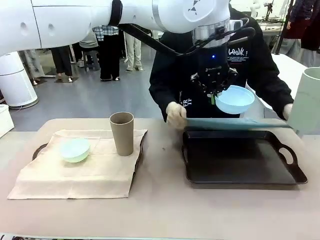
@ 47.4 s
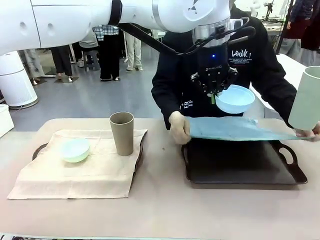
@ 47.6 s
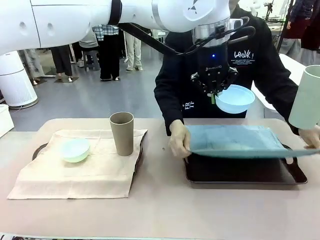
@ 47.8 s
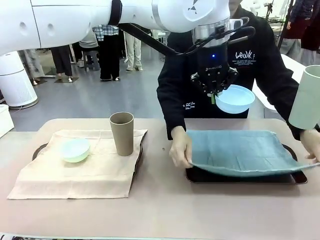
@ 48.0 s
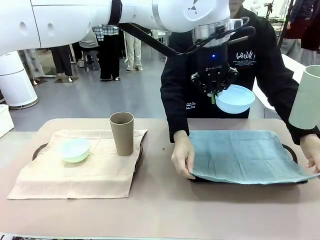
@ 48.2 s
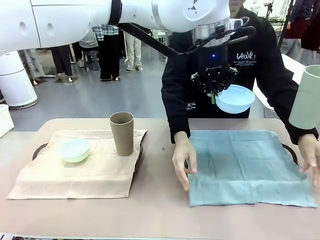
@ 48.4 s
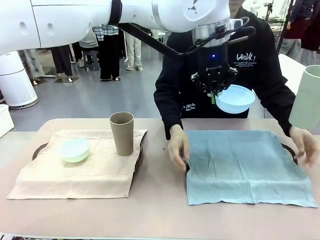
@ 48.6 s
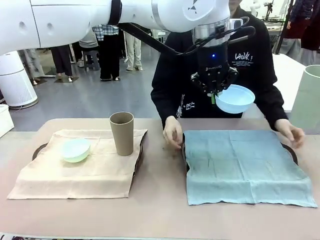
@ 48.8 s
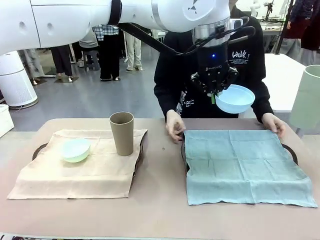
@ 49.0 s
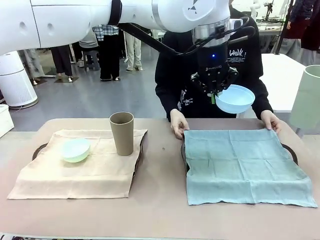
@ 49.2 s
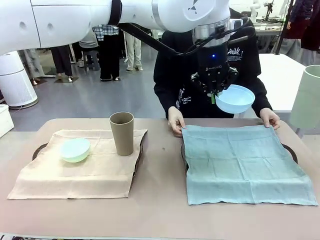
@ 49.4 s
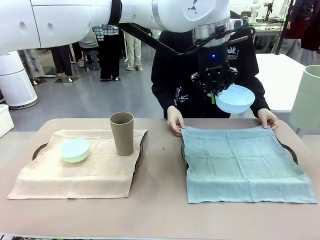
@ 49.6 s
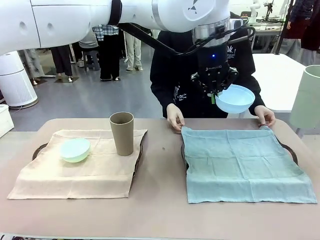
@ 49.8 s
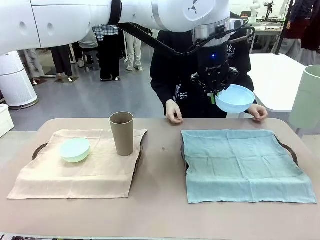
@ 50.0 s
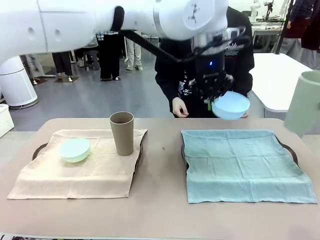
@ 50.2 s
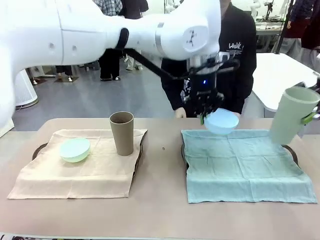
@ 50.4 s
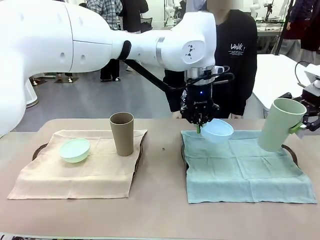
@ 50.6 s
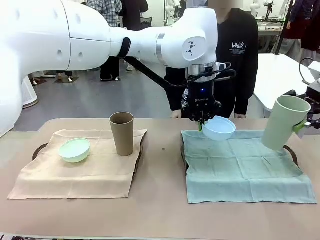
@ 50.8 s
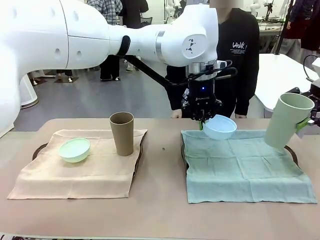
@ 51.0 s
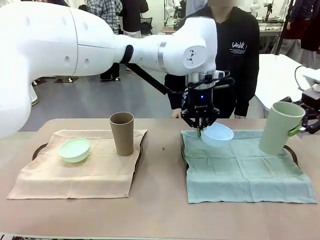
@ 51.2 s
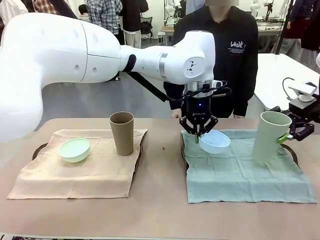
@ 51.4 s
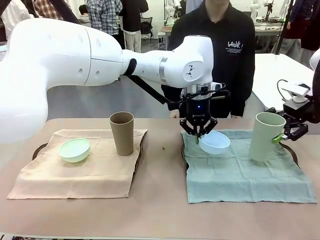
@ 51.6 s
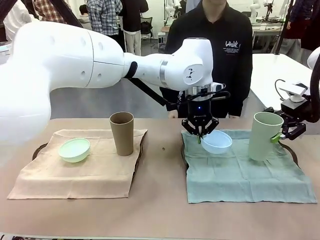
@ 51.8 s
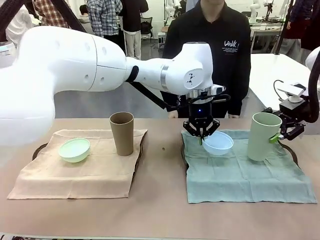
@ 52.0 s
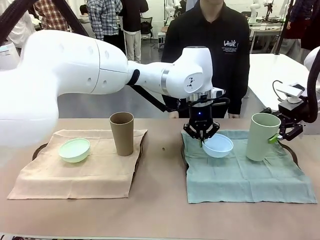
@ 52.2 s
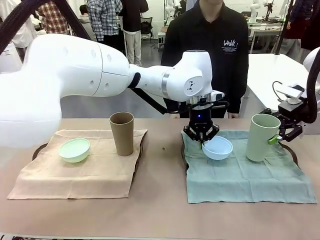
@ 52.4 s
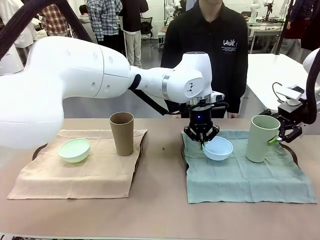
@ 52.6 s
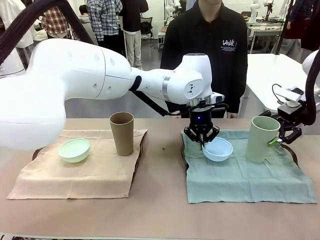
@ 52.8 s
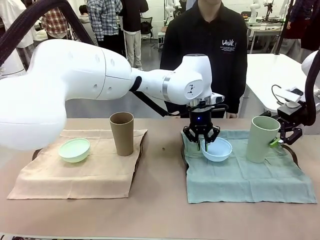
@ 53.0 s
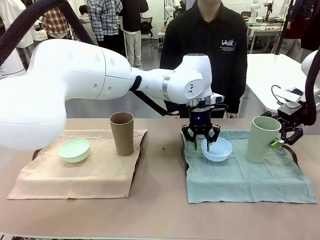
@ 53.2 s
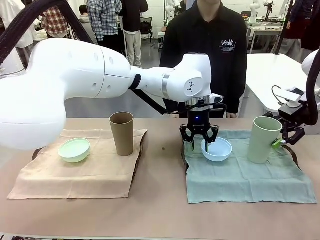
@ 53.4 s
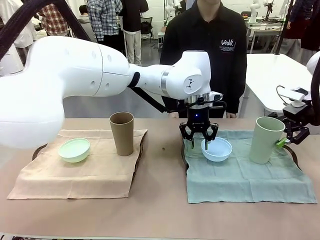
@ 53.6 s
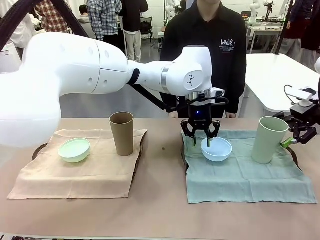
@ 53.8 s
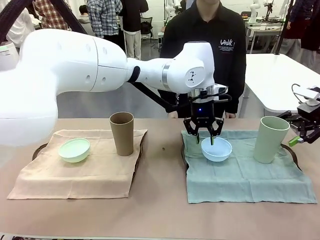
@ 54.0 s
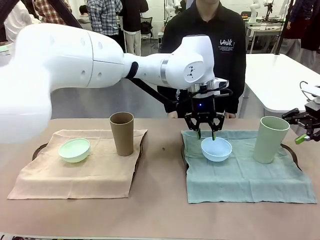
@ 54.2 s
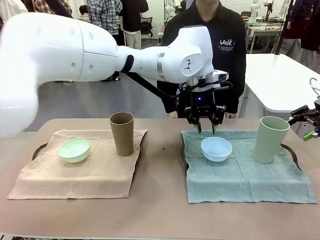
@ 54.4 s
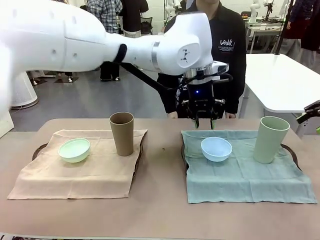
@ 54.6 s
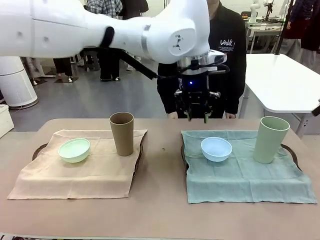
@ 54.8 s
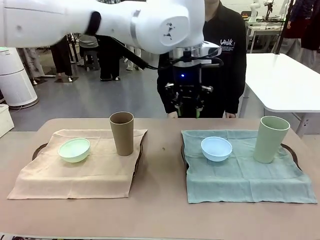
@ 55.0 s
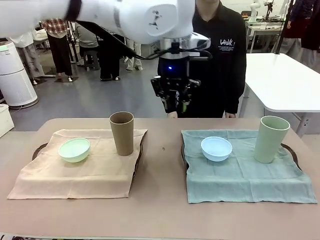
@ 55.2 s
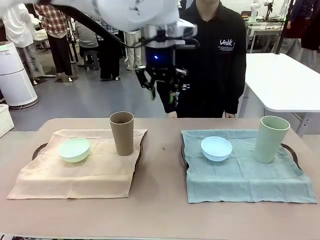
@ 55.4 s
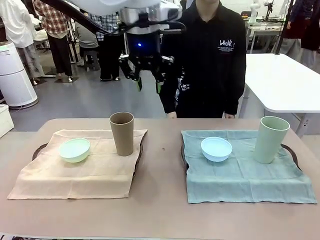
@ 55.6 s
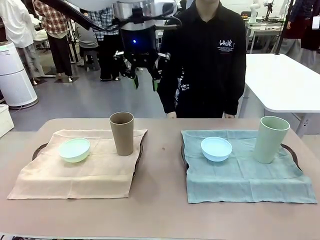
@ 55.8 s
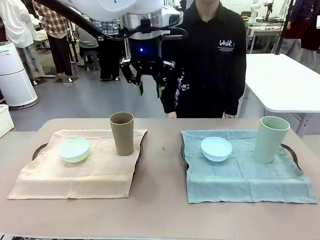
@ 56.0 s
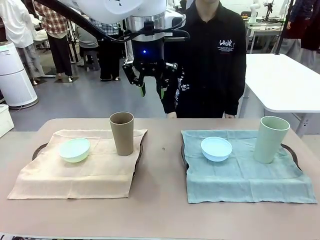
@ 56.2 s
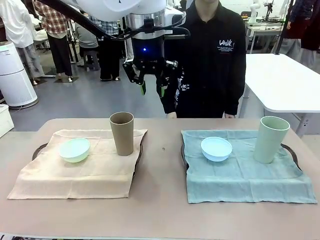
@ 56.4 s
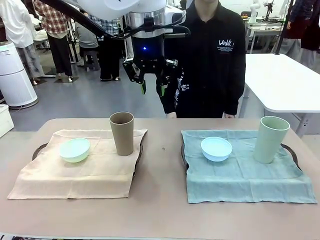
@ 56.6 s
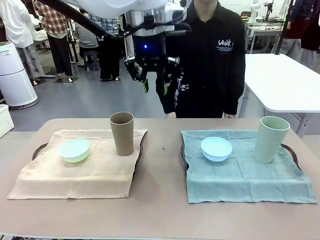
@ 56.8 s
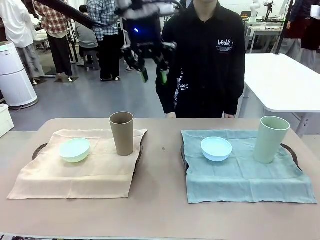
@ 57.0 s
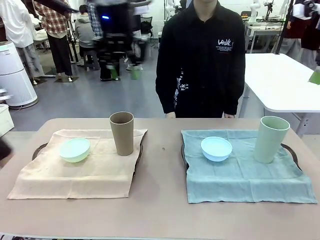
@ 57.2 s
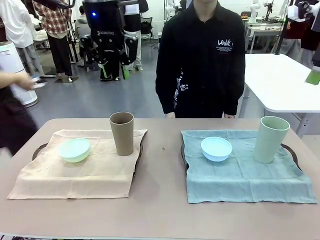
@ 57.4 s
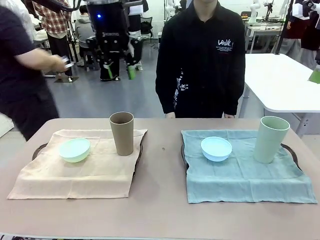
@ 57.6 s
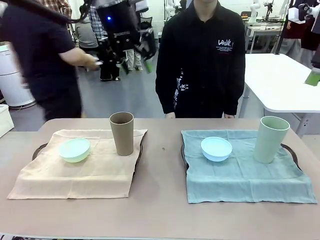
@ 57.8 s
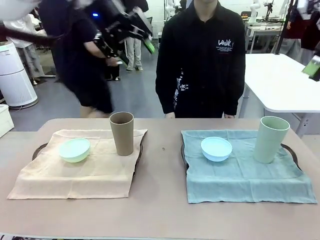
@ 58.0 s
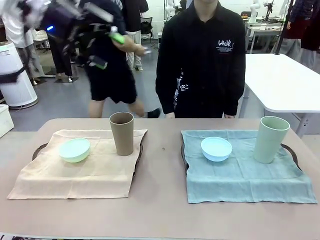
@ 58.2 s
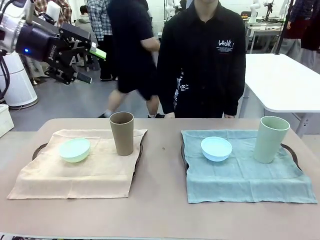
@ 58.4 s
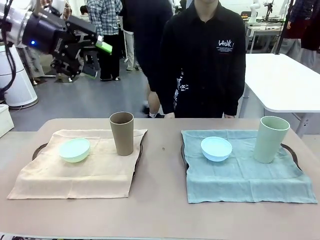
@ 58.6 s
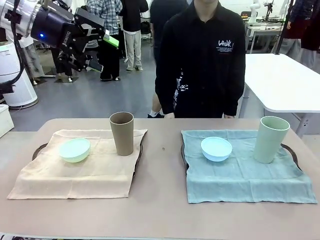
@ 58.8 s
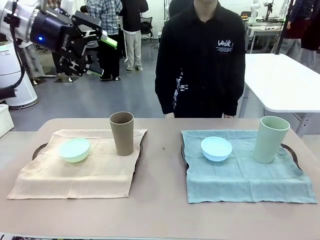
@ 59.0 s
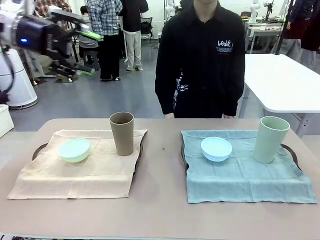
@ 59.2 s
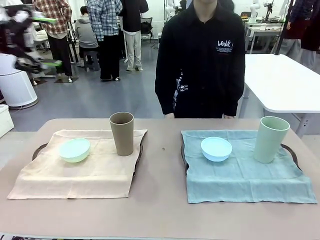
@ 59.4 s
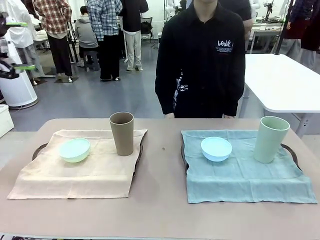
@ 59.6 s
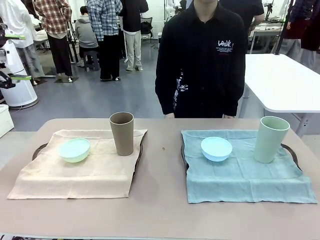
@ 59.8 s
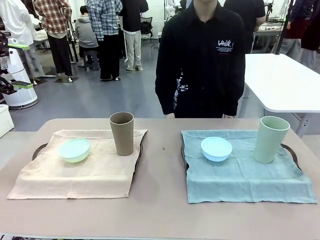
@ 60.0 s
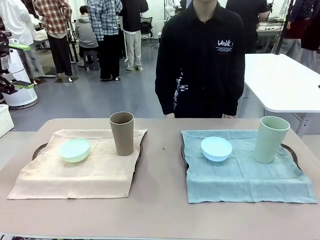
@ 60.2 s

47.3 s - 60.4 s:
Robot: Place the Picnic Bowl and Reusable plastic cup back onto the Handle tray in front of the human's position.

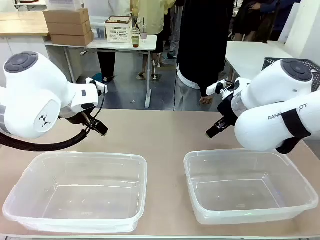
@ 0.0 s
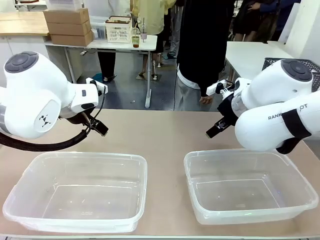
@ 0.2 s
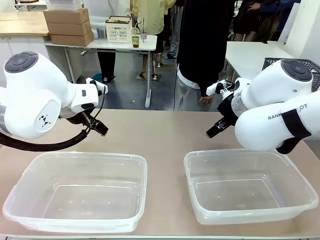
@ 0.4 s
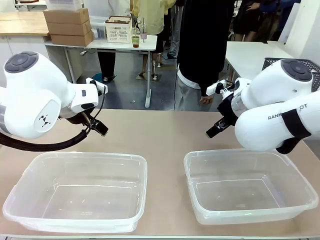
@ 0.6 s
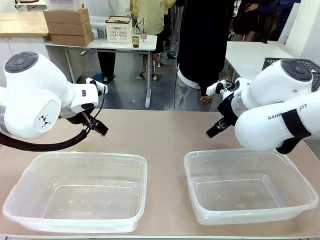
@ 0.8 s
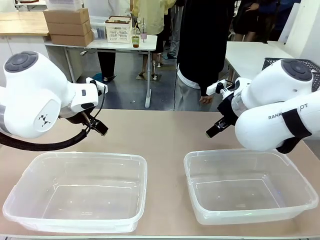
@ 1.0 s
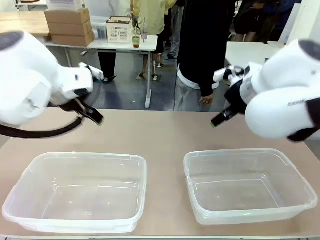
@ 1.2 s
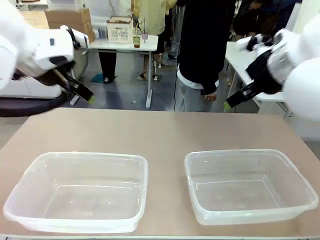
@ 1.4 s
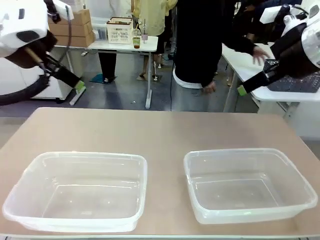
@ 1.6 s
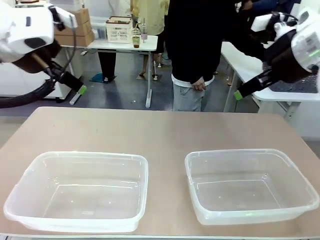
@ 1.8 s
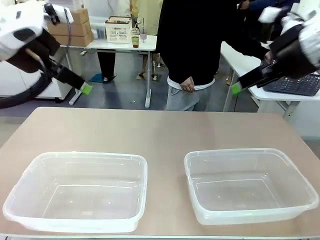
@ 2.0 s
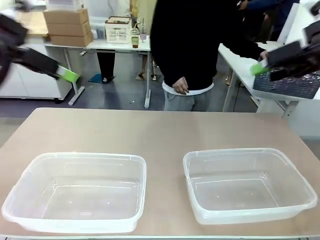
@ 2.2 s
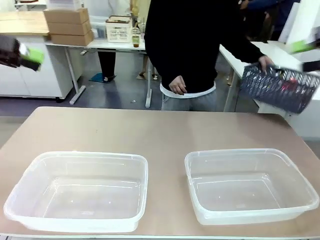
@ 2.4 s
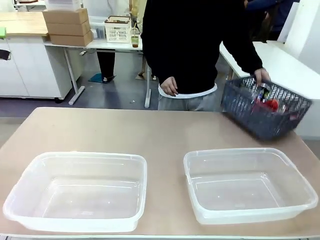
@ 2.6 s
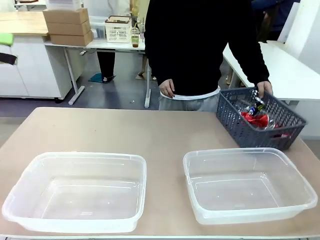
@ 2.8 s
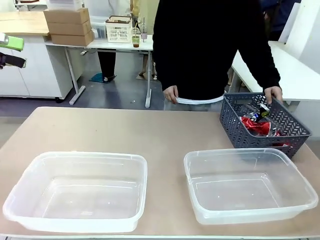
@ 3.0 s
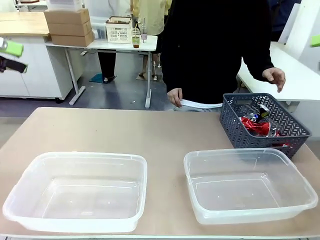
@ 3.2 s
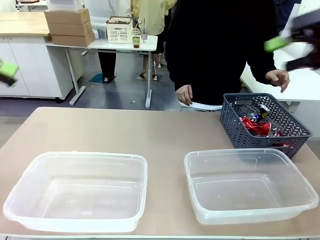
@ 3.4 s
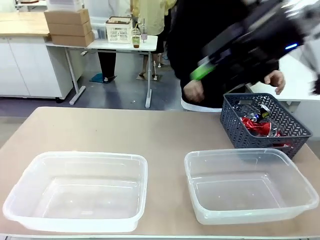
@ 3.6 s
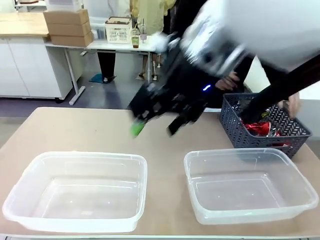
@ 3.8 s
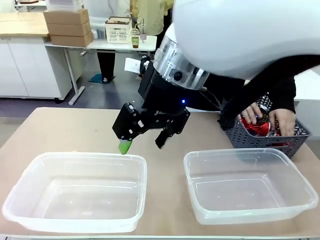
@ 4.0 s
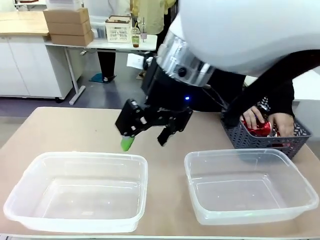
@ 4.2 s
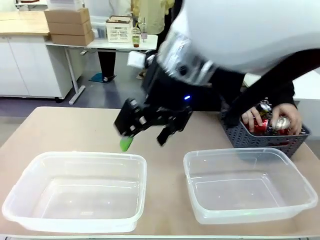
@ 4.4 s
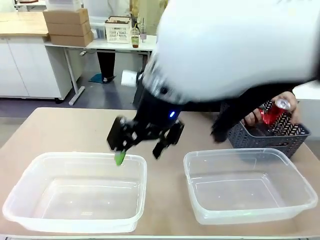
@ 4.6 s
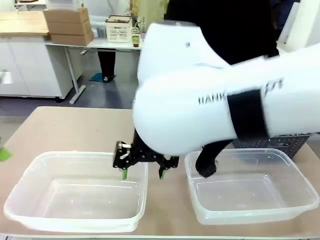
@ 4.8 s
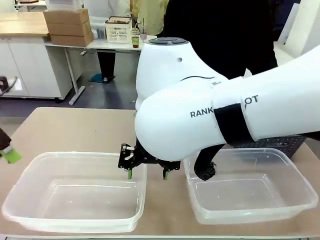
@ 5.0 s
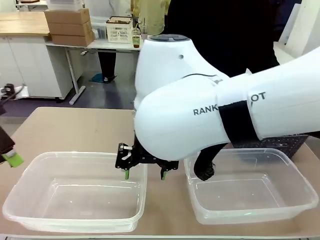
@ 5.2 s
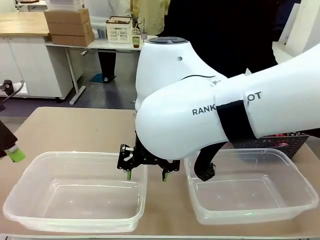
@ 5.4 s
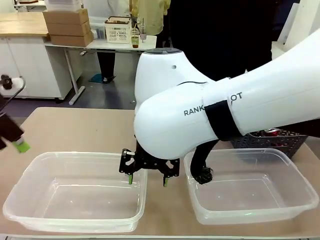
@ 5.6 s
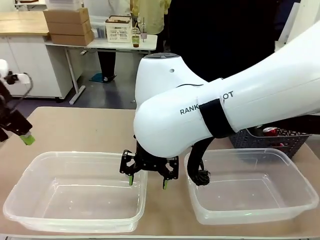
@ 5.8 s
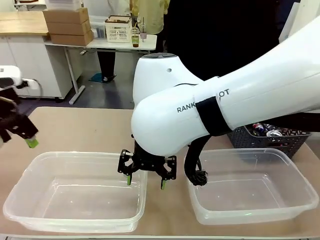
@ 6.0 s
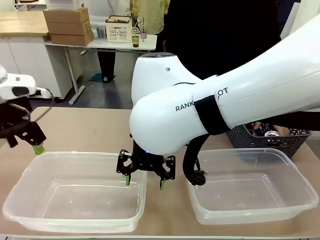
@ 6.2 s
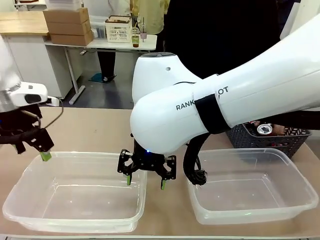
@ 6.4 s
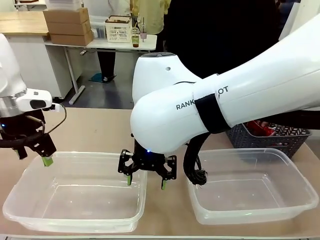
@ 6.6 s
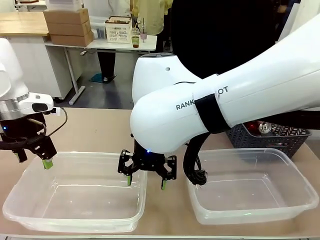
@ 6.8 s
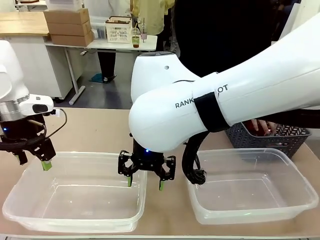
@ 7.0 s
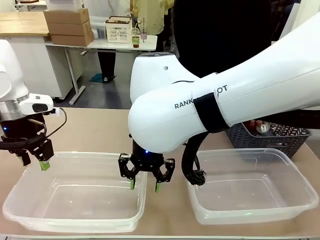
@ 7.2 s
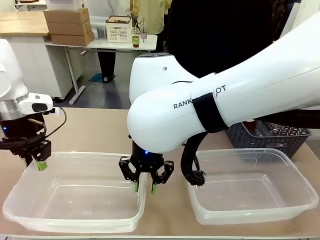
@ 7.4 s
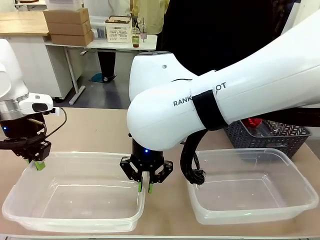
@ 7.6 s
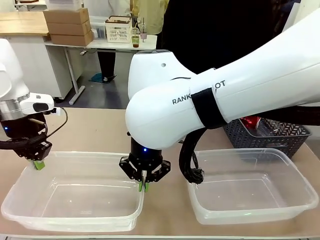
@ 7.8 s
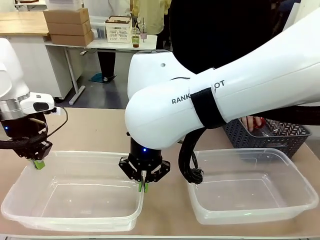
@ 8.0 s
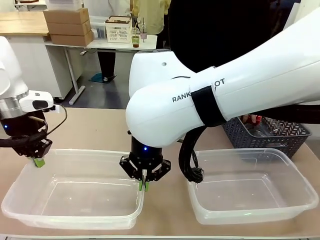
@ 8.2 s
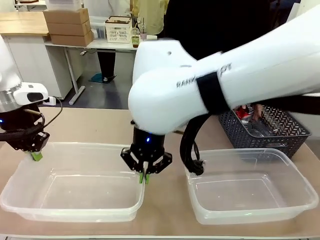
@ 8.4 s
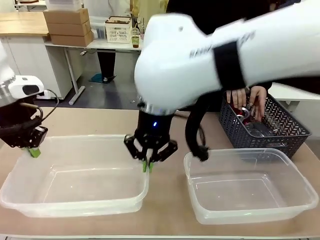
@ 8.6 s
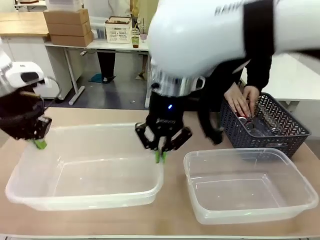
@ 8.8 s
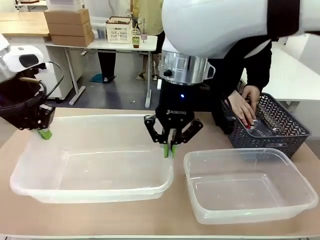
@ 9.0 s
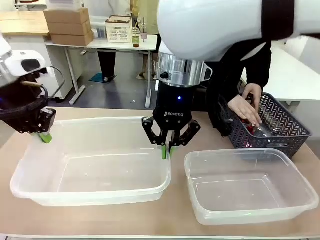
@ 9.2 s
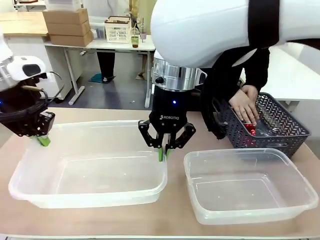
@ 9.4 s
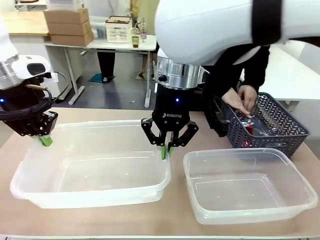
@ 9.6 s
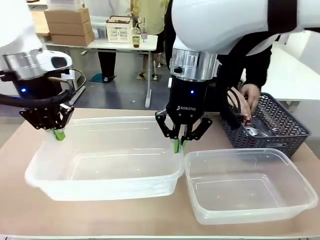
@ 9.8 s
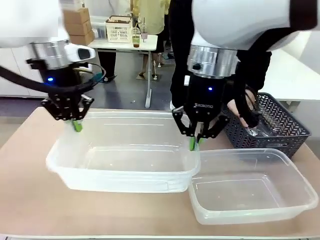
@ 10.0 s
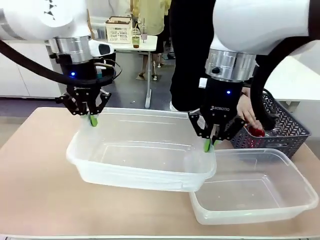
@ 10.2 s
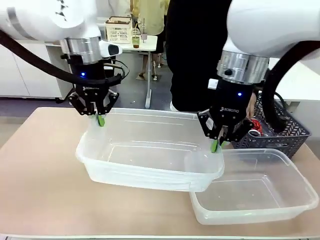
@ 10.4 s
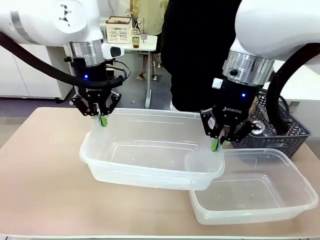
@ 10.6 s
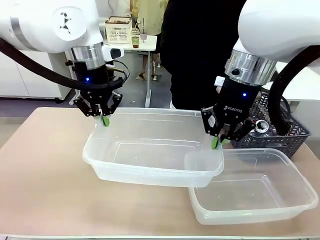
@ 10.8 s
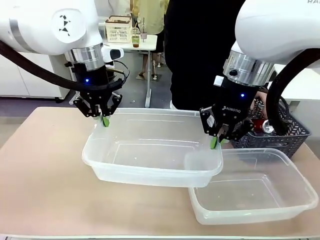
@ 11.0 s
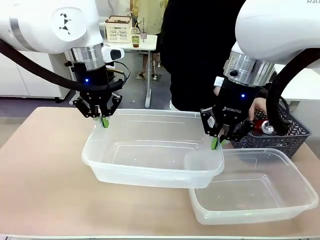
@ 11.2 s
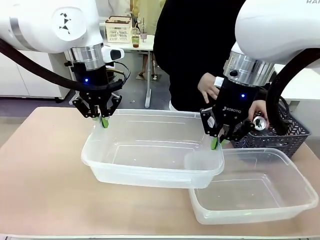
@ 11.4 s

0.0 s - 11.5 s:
Robot: Pick up the Organizing box on the left side of the table and lift it.
Person: Pick up the storage basket and place it on the left side of the robot table. Pick up can-shaped waste one by one and place it into the organizing box lifted by the robot.
